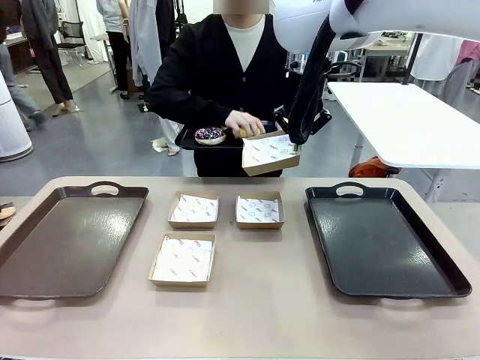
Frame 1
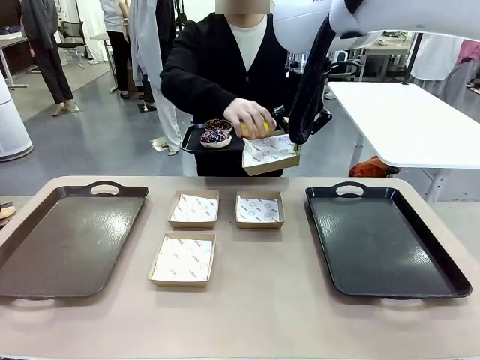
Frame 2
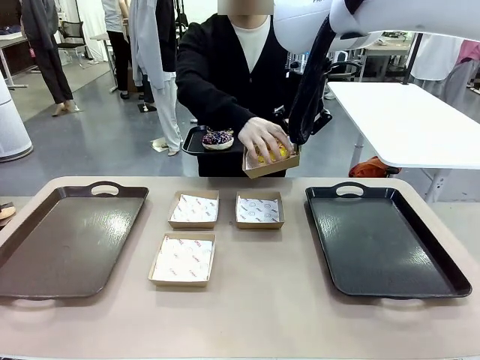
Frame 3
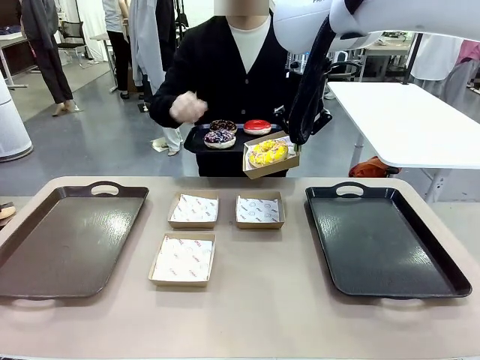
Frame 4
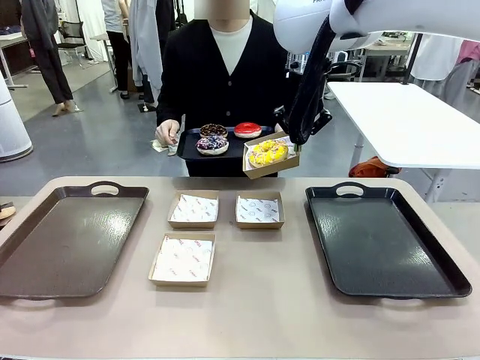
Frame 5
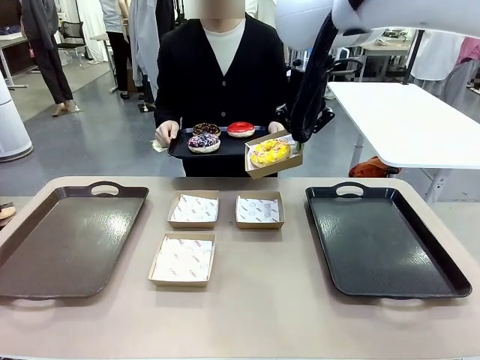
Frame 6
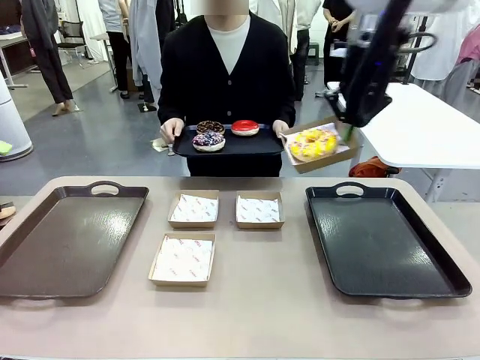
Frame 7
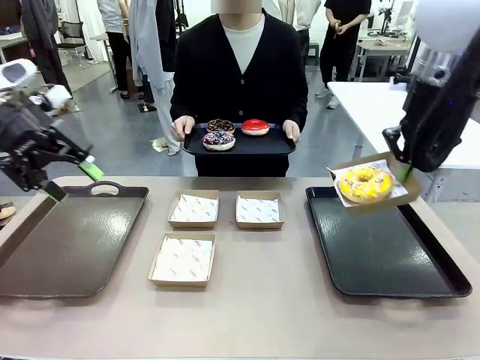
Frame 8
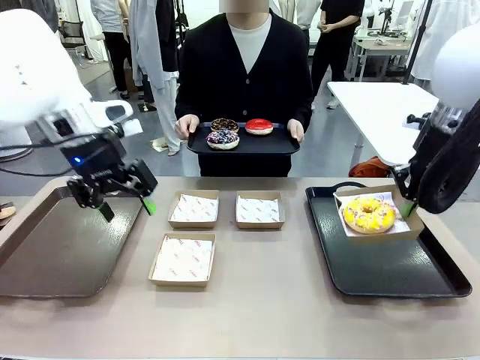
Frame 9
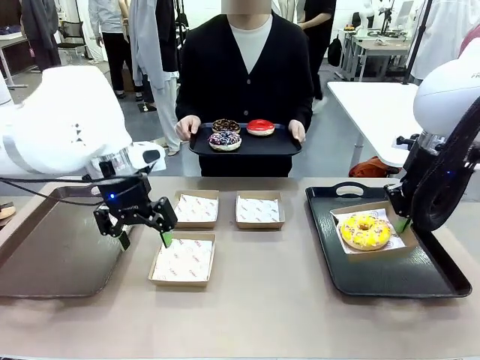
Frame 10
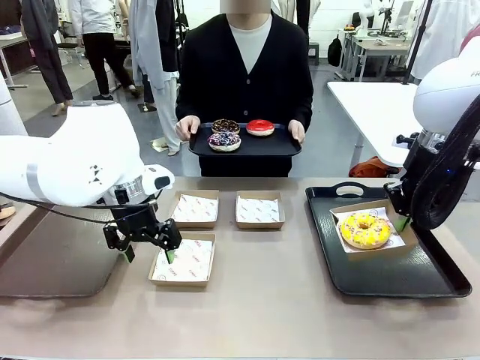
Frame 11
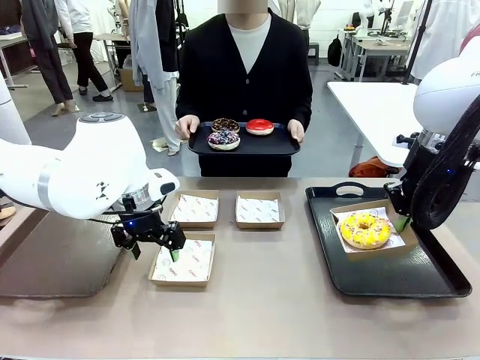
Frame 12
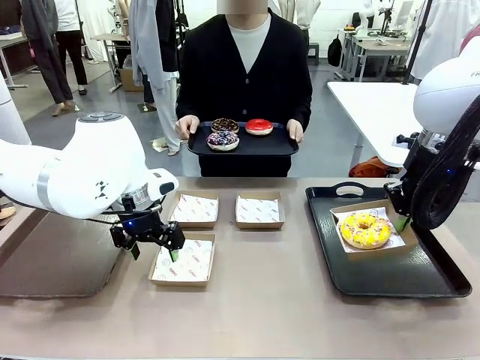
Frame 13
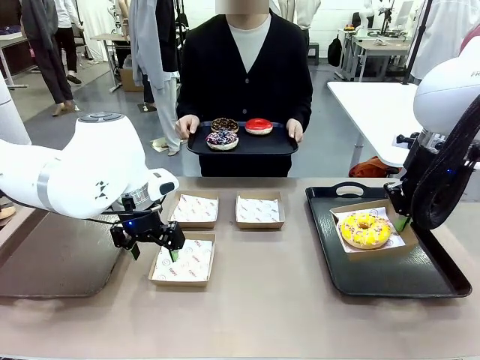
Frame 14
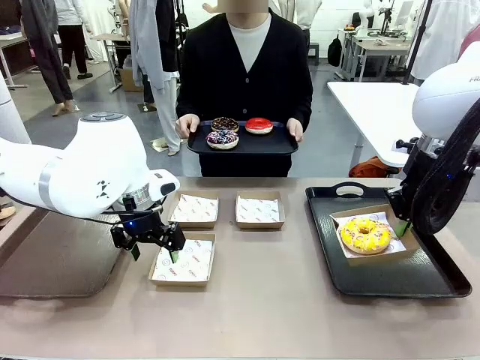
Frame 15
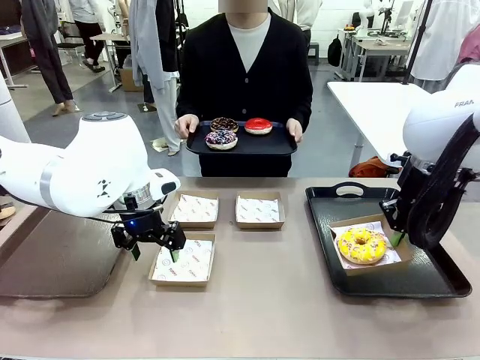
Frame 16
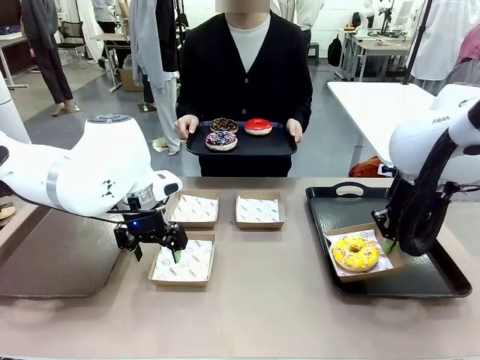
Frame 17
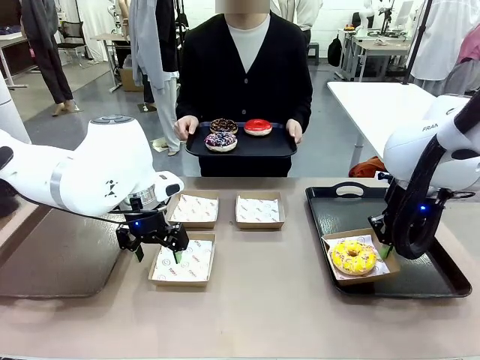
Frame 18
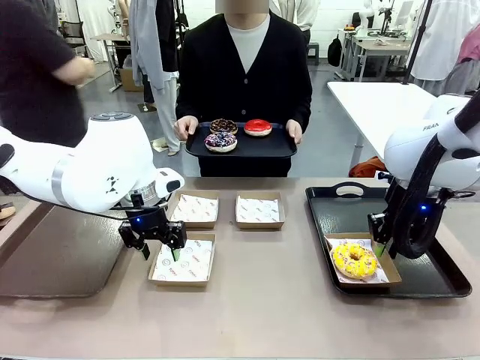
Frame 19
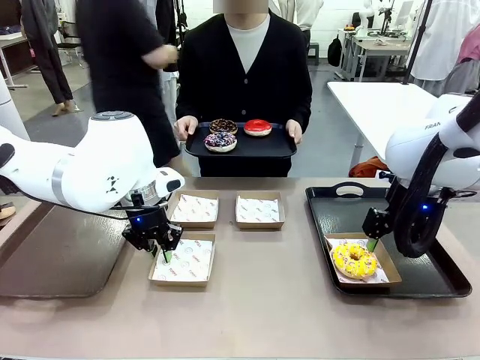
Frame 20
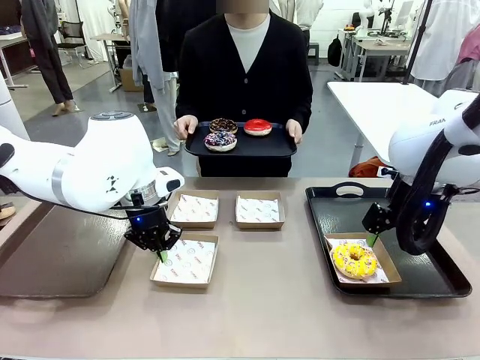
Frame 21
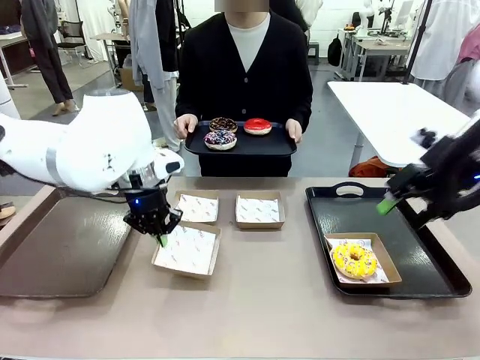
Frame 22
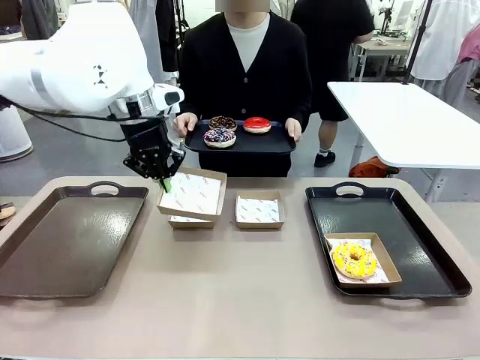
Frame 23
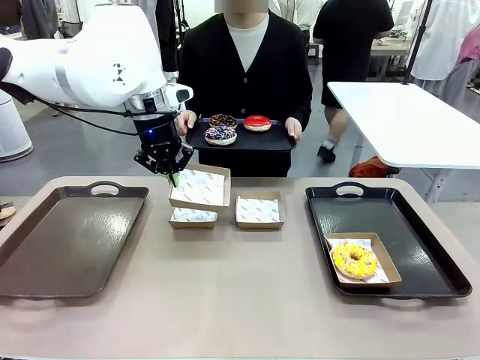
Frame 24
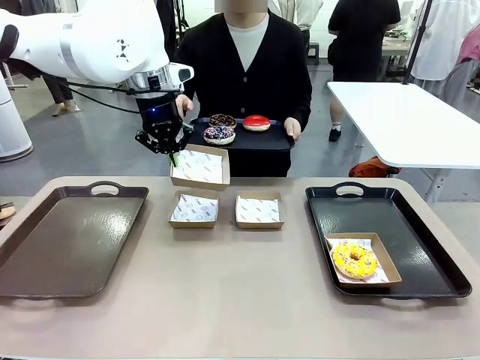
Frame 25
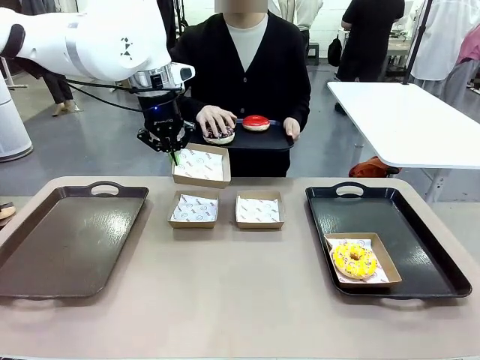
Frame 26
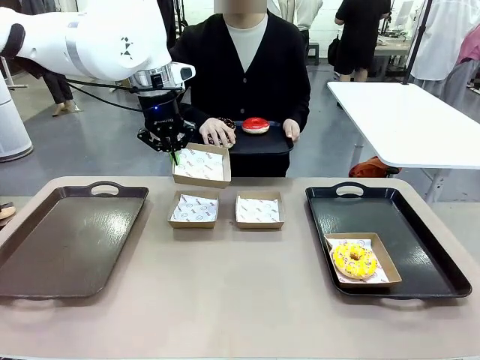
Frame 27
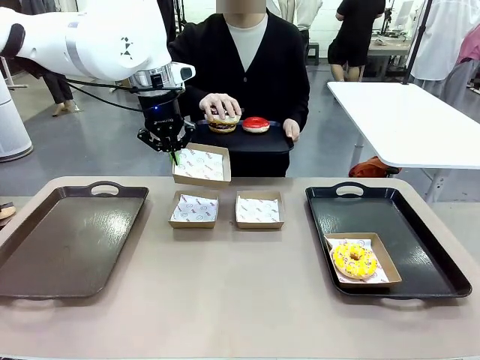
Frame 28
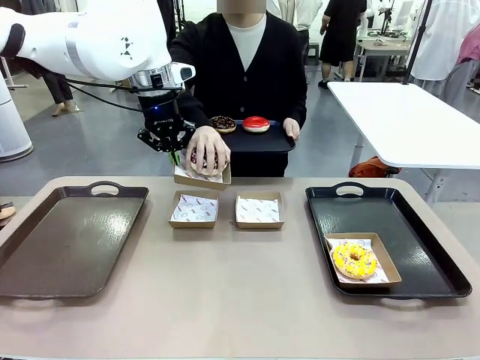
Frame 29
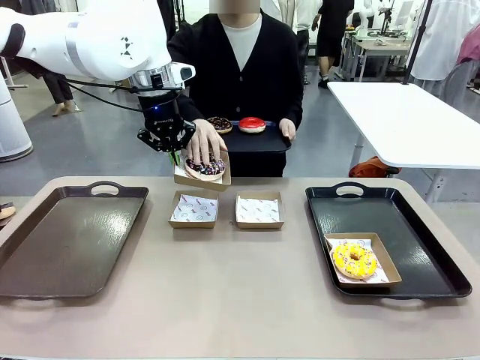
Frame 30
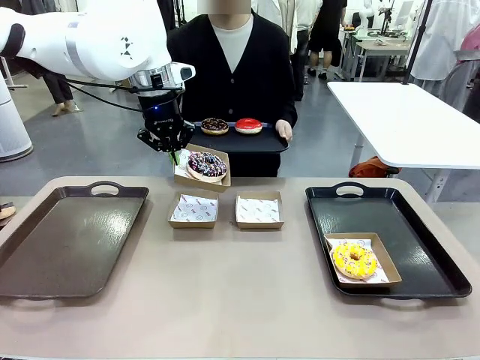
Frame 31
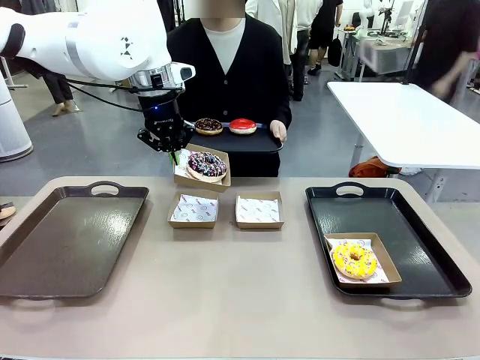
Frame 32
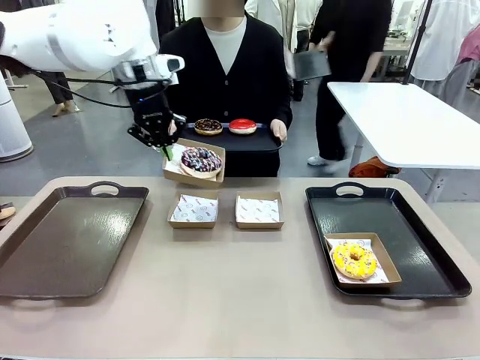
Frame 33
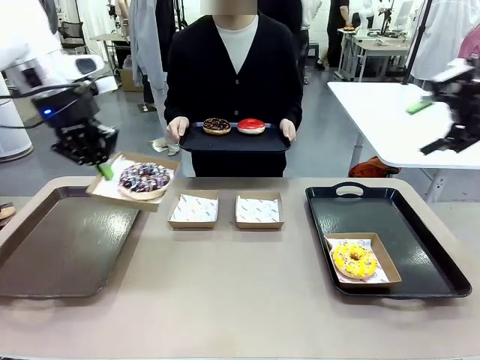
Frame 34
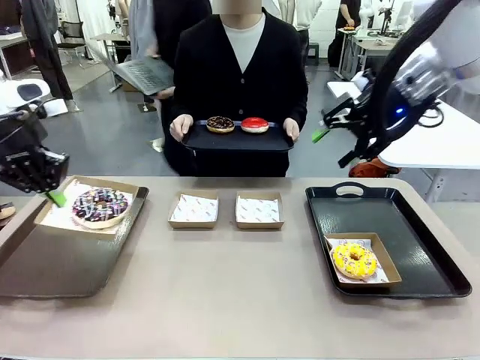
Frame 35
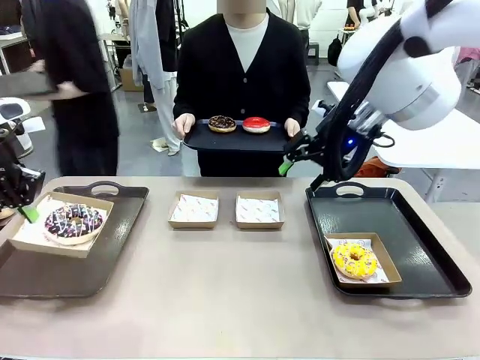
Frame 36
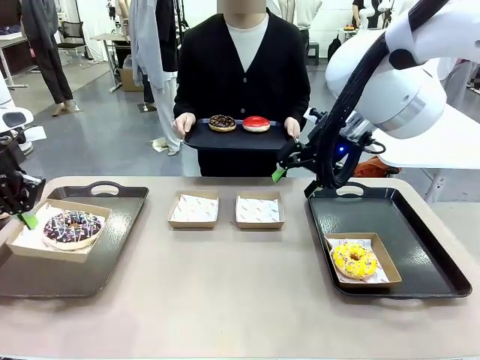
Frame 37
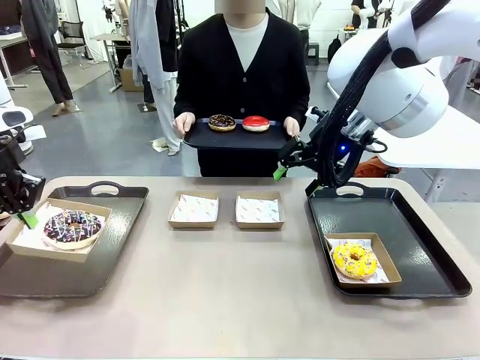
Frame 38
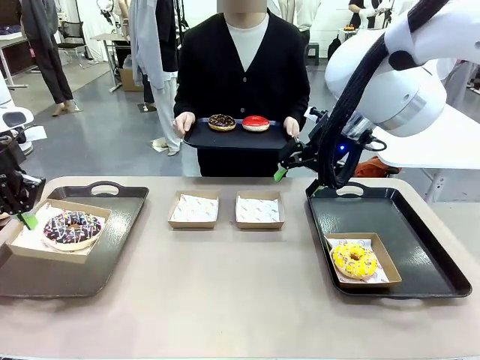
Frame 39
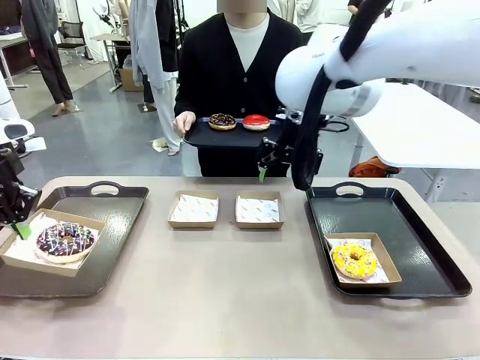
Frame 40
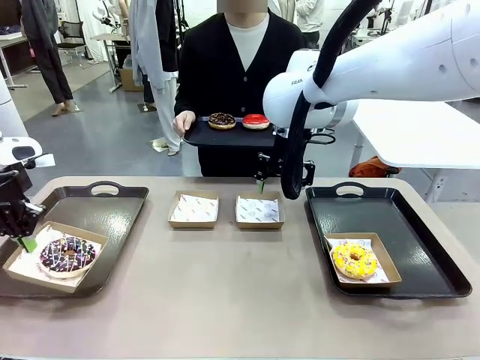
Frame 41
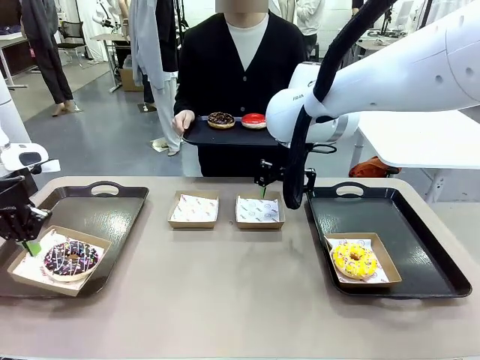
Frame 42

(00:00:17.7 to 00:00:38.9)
Task: Individually package the donuts and arrange them on the tray.
Robot: Place the picked Paper togo box on the Handle tray while simultaneously picking up another Paper togo box from the table with the other hand.

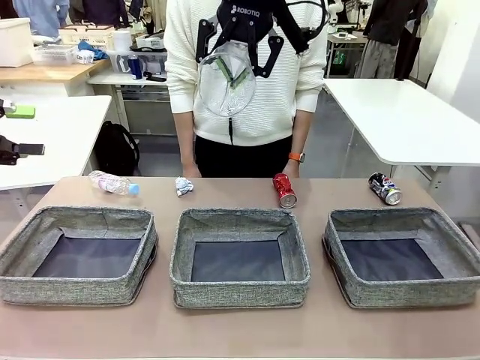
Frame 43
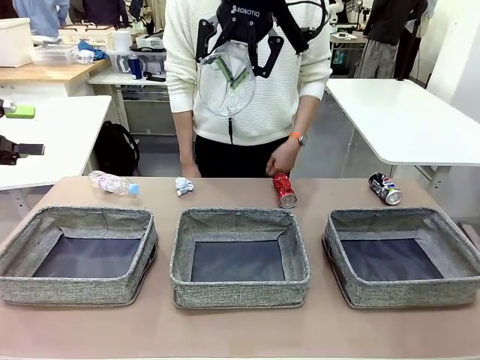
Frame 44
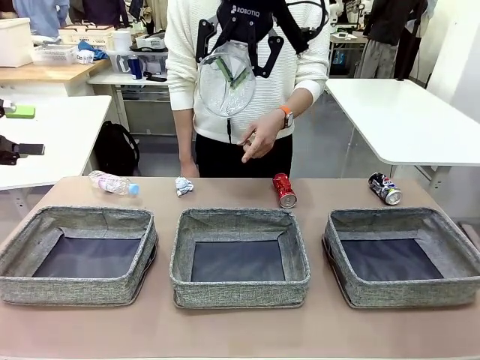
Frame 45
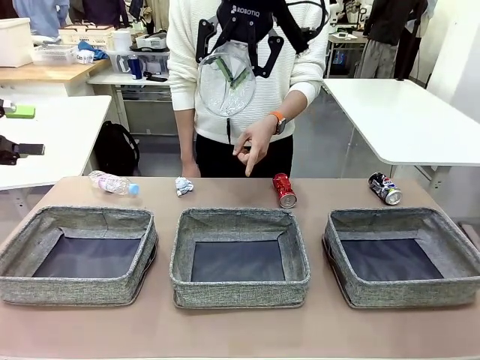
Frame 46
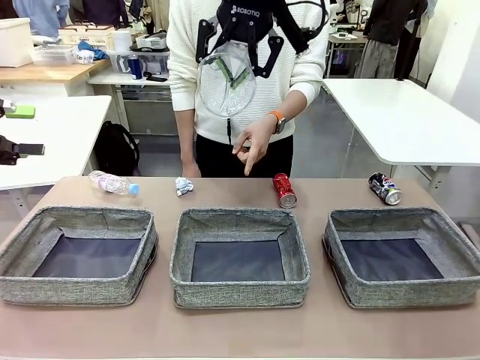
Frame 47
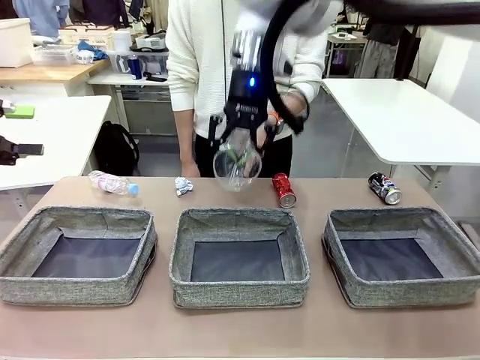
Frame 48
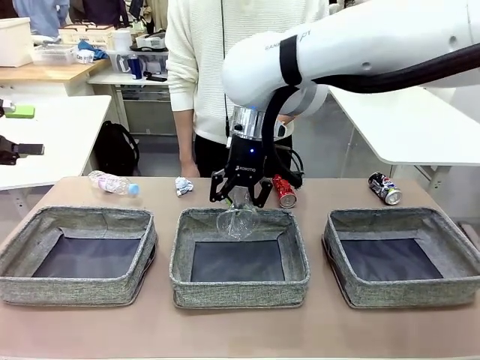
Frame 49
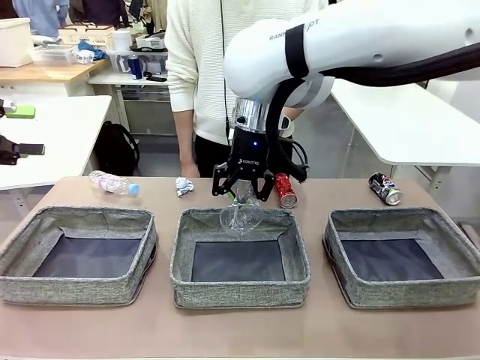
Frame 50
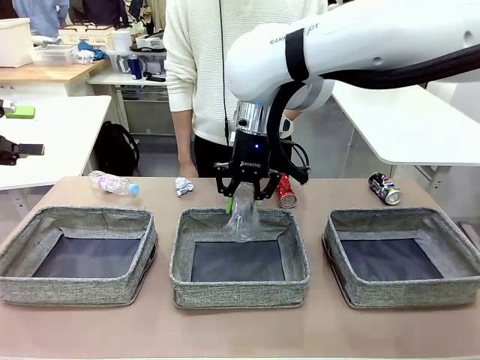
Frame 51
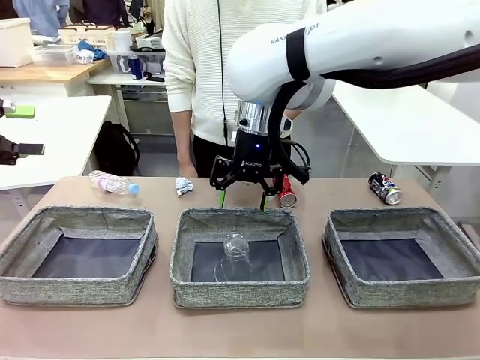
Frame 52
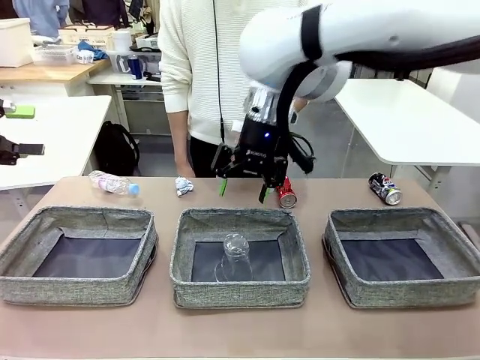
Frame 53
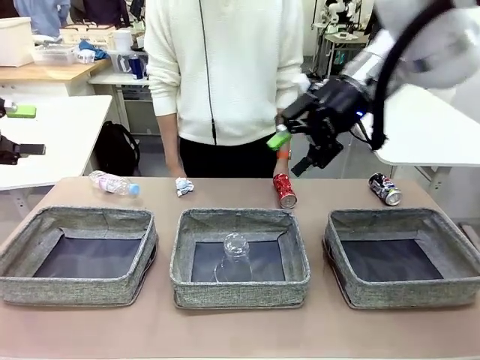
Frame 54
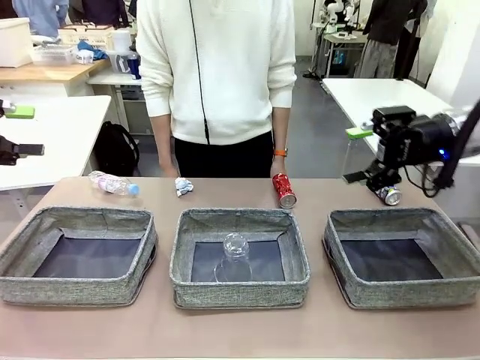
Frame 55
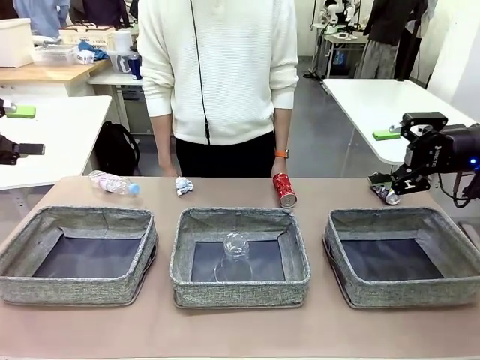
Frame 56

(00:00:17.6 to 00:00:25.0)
Task: Sort the waste into the appropriate baskets.
Robot: Place the picked waste into the Fabric basket indicated by the person.
Person: Instructs the robot to place the picked-up trash into the appropriate organizing basket.
